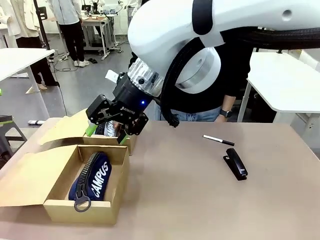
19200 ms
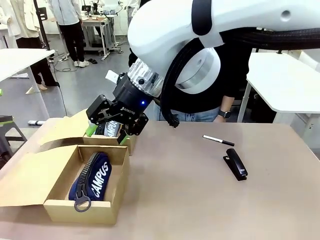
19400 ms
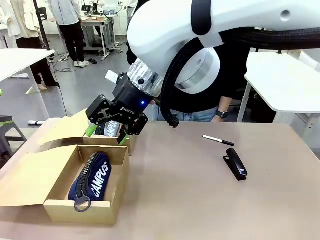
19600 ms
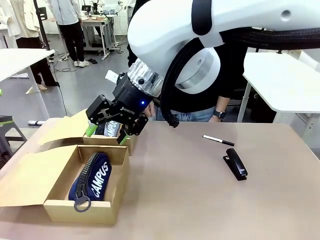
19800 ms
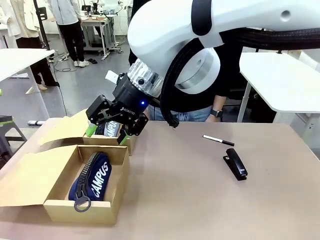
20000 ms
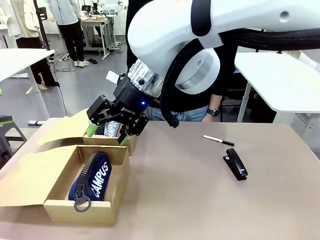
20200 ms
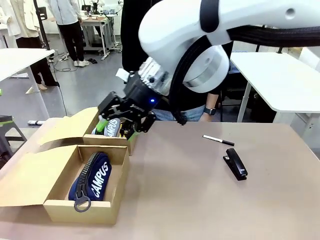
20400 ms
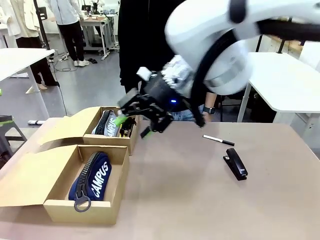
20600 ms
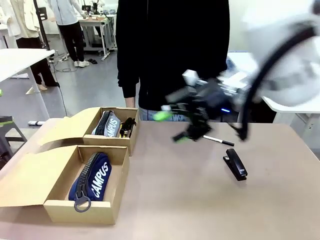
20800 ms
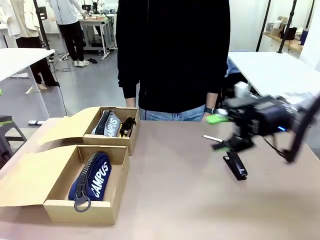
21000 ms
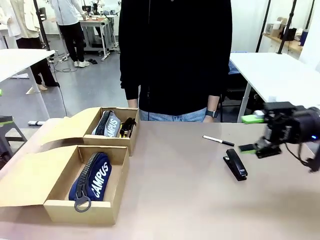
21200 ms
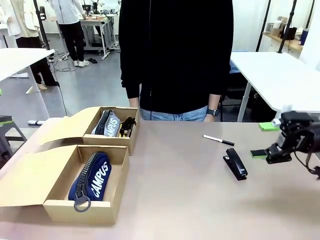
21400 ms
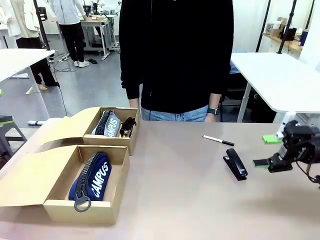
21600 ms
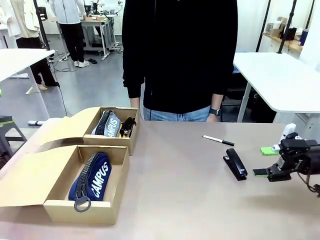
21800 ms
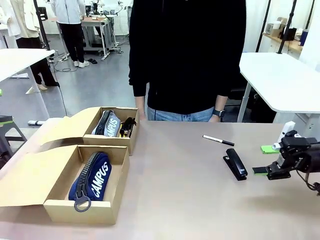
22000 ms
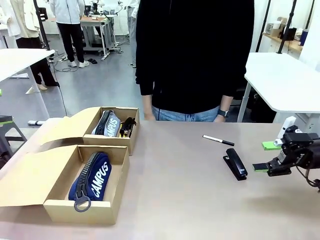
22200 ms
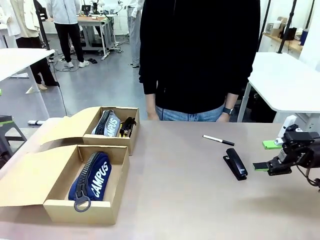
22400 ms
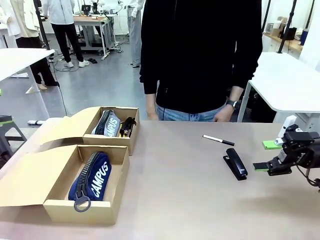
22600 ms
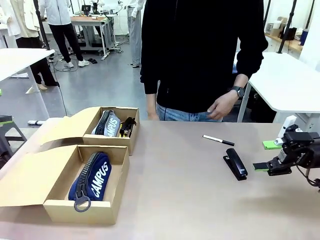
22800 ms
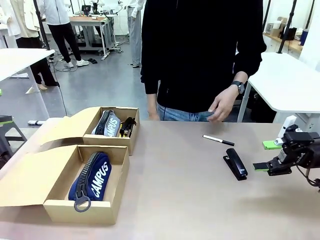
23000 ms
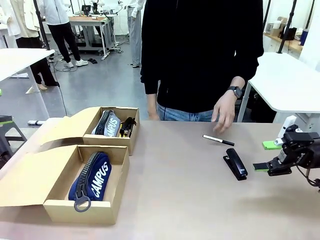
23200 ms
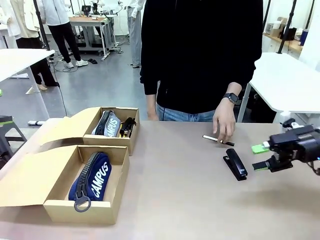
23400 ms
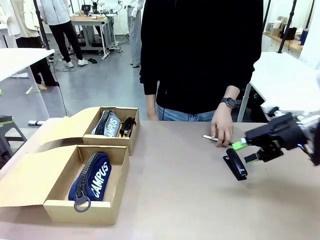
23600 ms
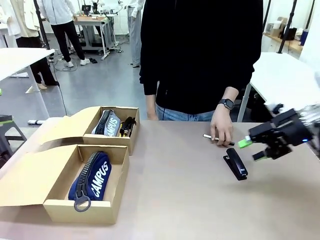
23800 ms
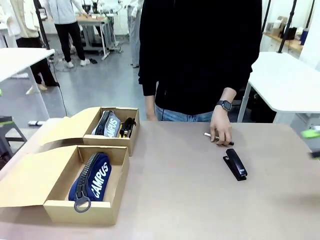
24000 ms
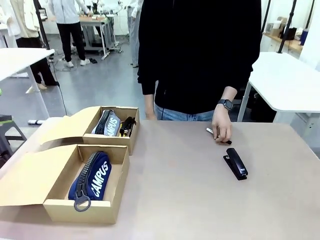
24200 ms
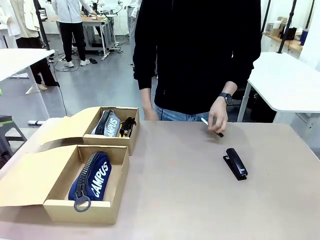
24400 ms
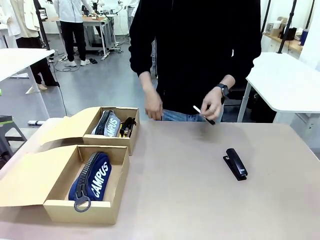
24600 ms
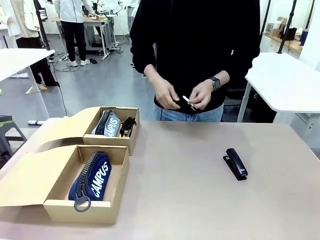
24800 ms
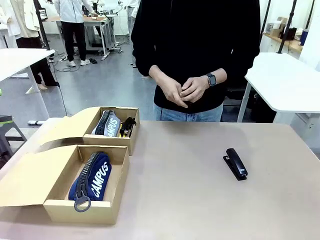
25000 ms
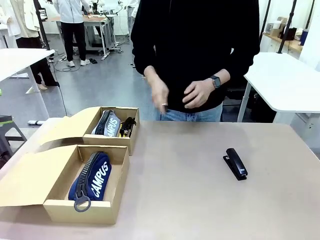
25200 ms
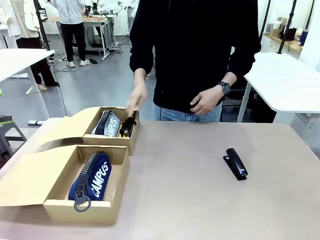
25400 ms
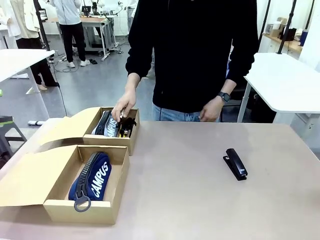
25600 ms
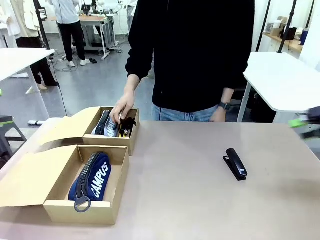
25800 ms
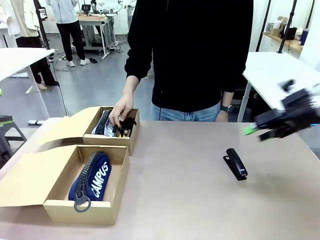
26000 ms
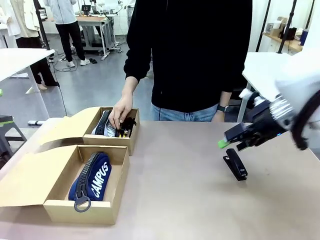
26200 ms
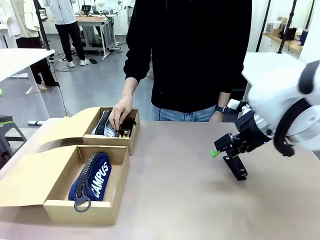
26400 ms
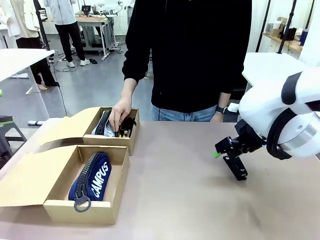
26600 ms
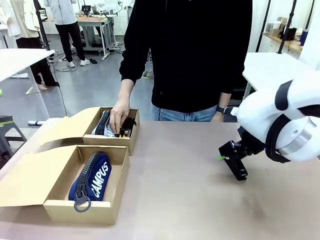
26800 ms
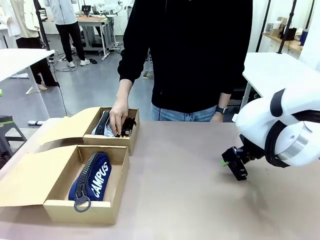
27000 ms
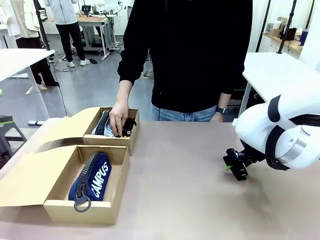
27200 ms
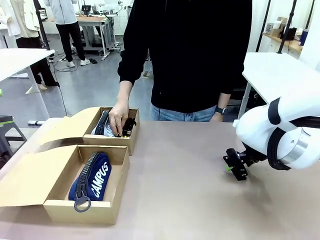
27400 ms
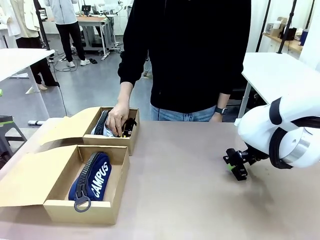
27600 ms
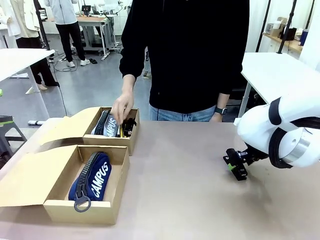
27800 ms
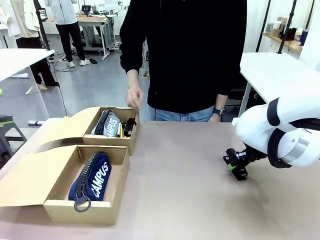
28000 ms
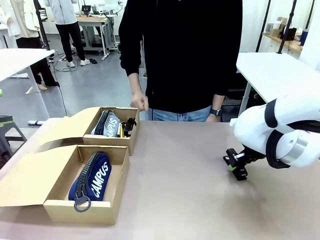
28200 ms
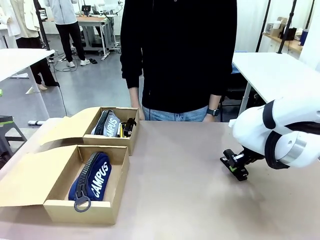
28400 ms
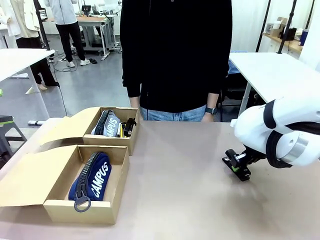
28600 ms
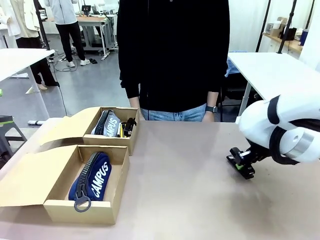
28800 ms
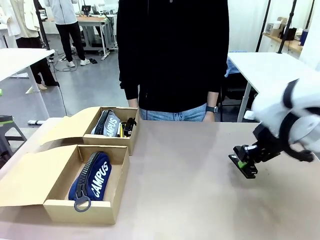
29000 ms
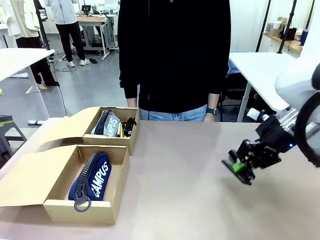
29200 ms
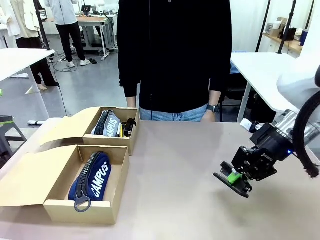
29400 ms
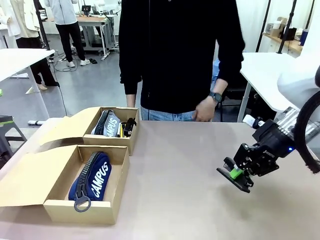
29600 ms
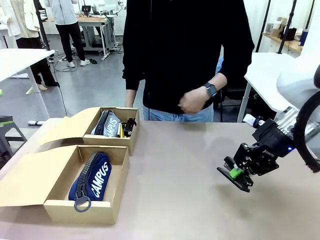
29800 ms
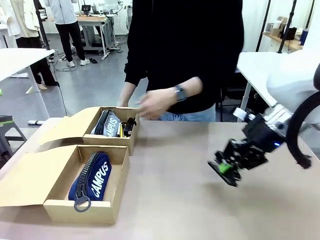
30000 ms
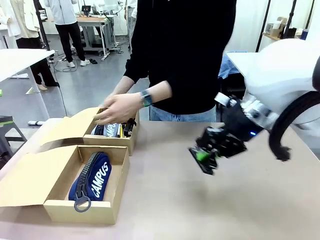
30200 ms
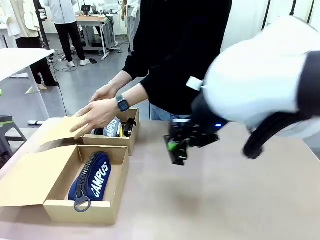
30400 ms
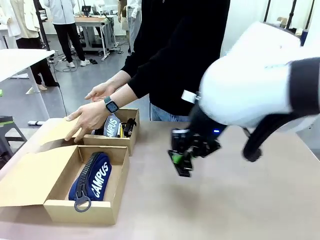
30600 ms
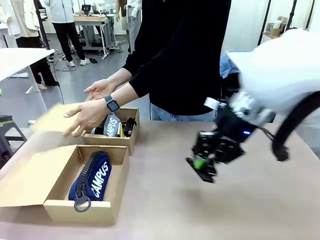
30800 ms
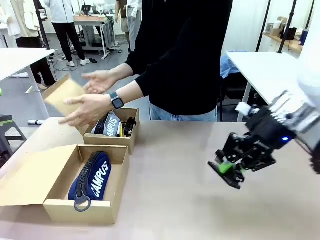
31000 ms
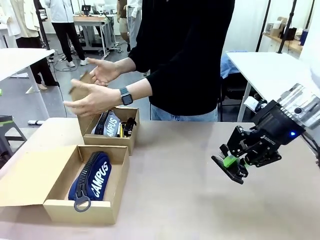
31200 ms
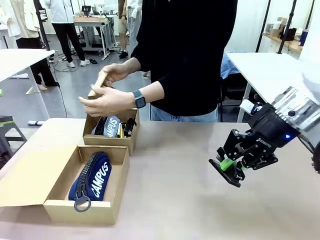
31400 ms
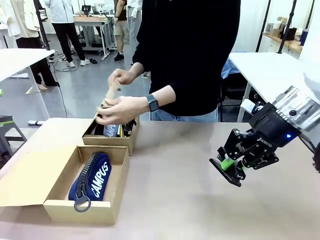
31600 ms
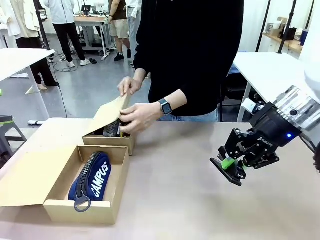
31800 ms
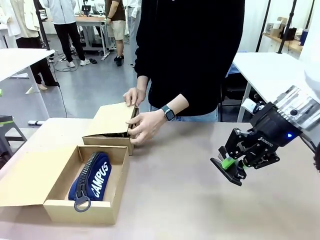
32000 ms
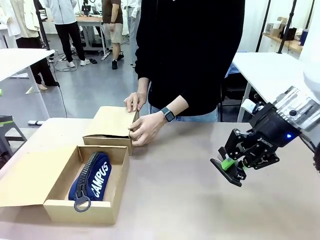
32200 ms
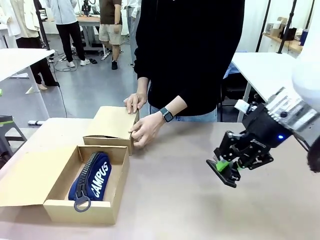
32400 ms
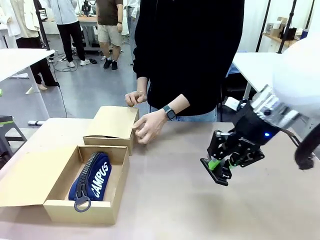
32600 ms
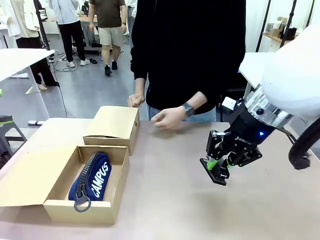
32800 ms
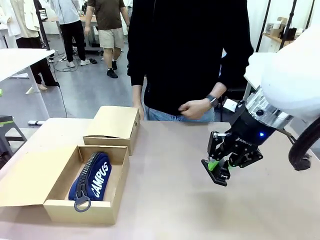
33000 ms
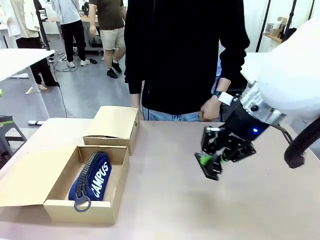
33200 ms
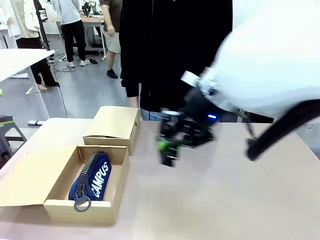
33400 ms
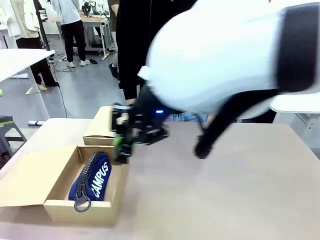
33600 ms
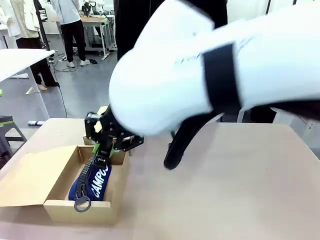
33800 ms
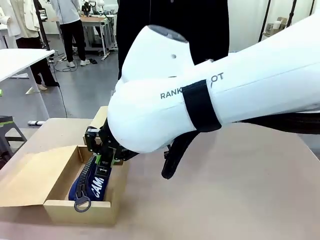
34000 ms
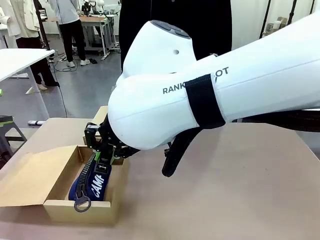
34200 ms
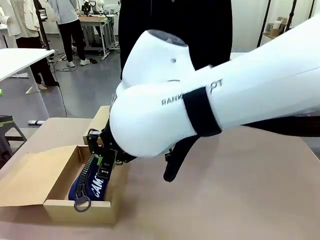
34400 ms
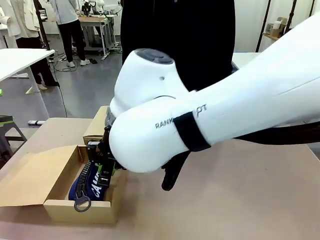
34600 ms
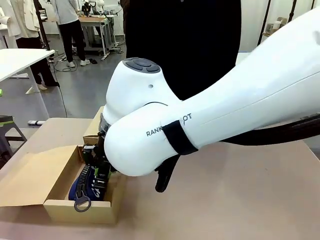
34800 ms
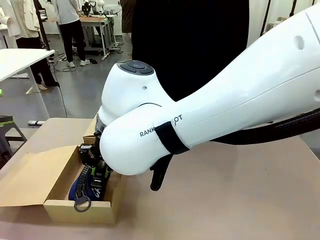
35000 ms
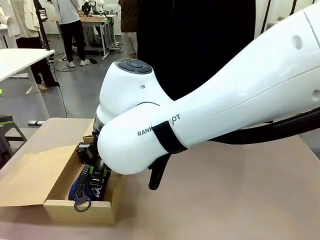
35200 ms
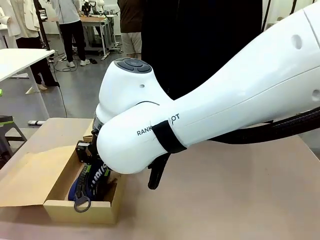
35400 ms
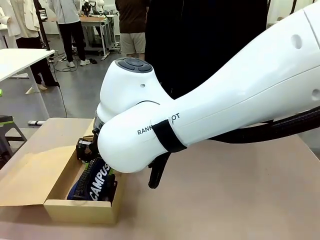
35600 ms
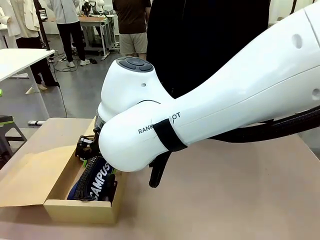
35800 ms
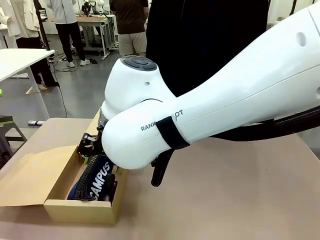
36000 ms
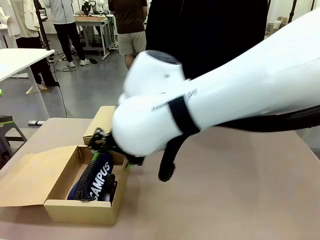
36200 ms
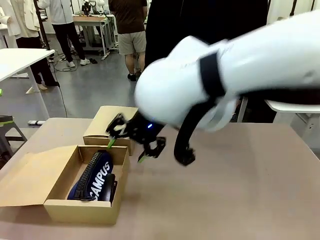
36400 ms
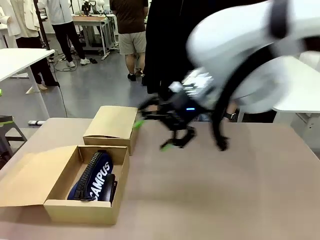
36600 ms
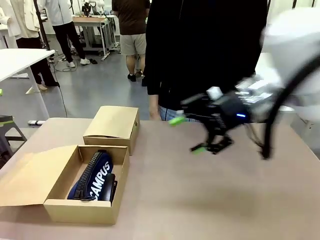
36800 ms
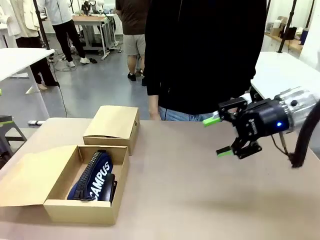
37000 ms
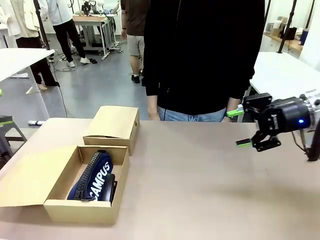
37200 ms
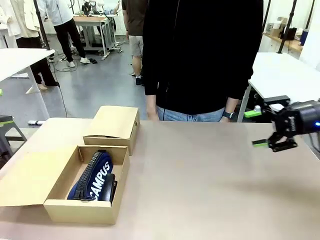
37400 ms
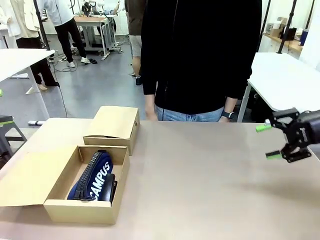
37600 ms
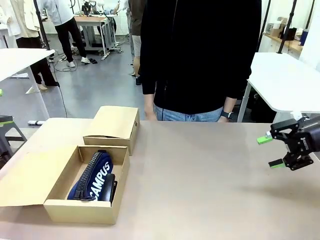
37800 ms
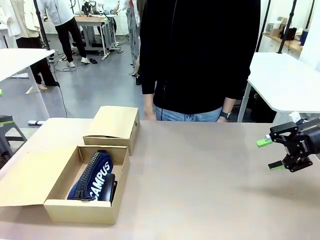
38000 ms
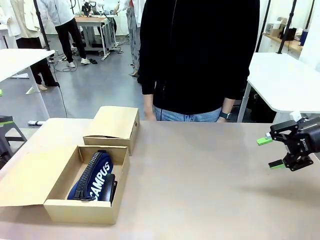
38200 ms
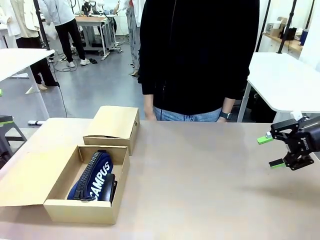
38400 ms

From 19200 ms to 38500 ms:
Task: Place items inside the box.
Robot: Pick up a Pencil pouch or Stapler and place it inside the Mailer Box closest to the robot.
